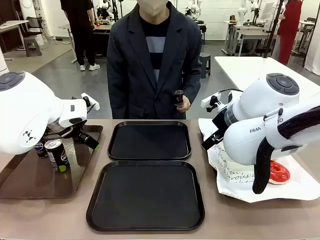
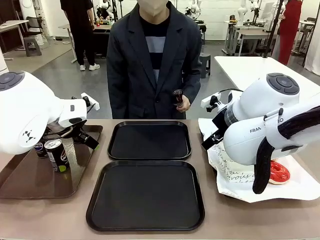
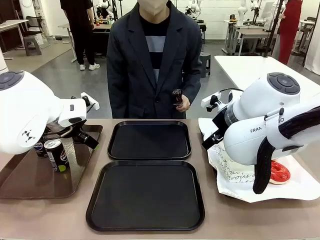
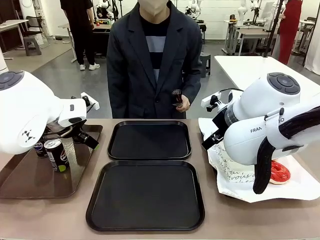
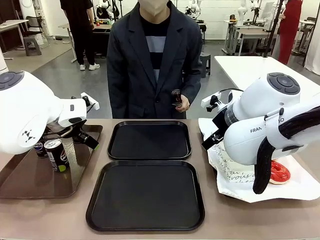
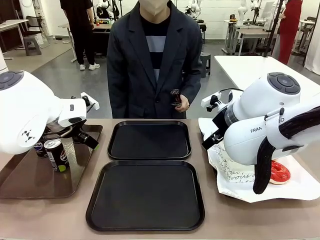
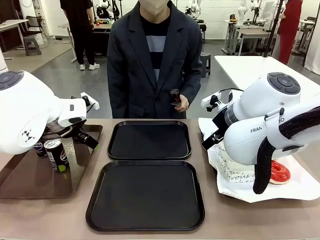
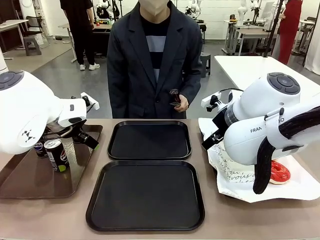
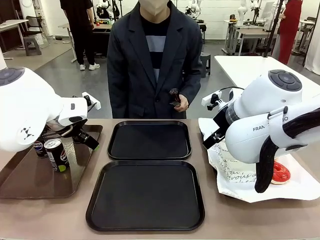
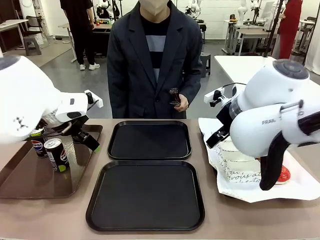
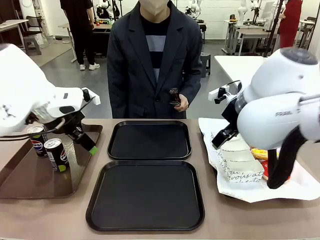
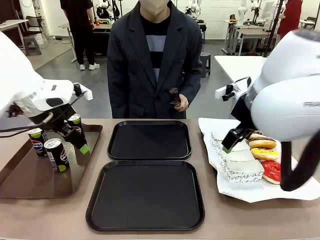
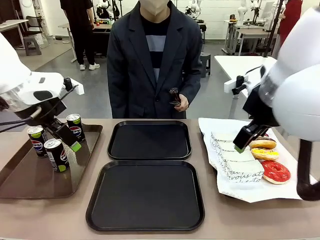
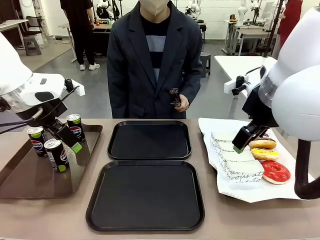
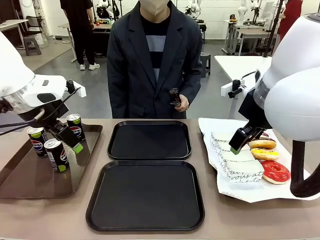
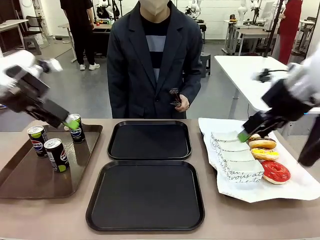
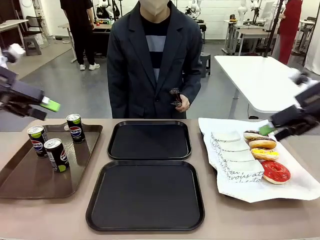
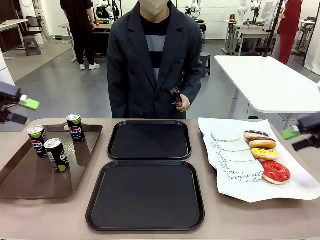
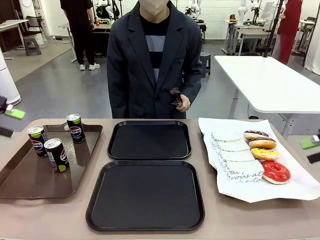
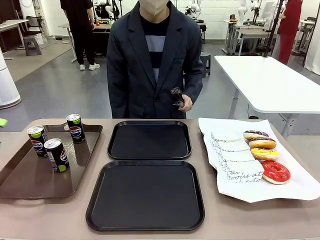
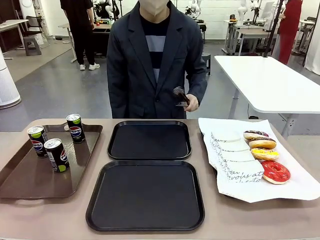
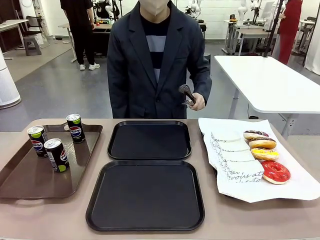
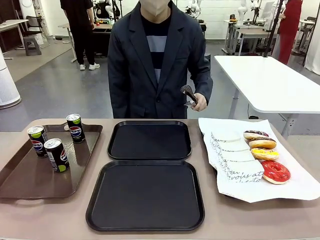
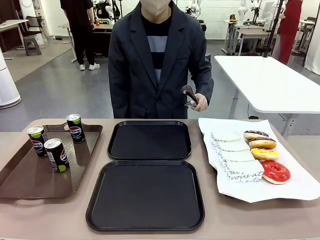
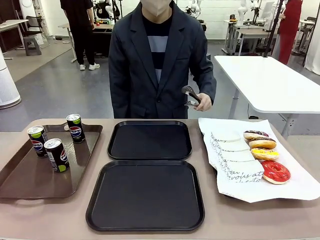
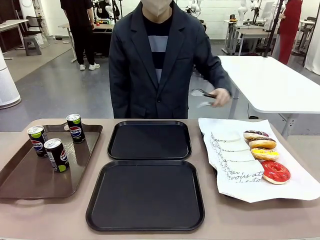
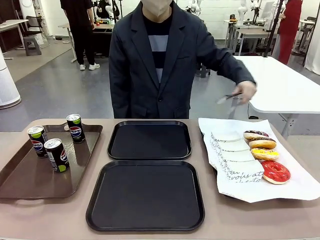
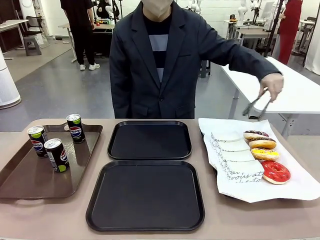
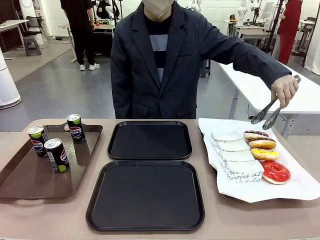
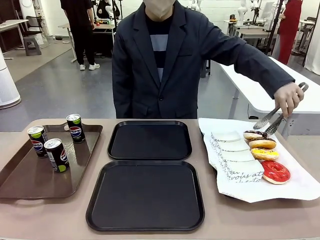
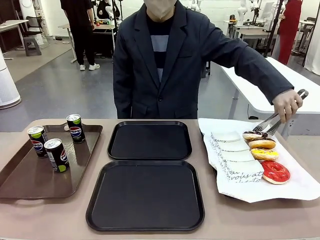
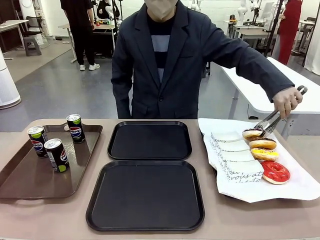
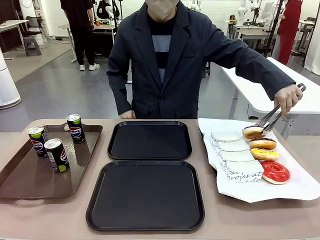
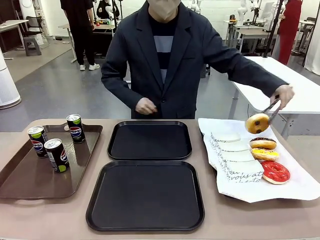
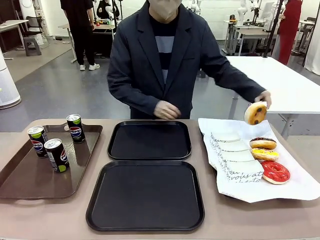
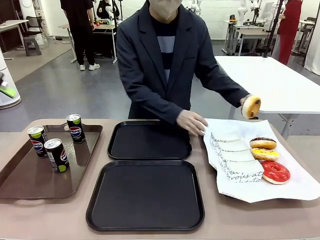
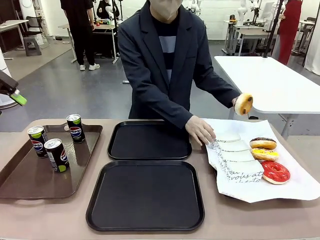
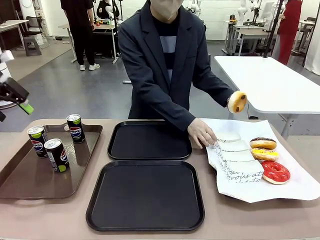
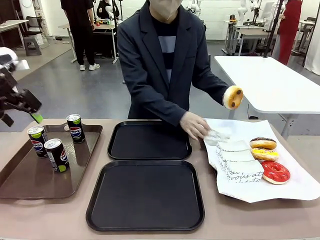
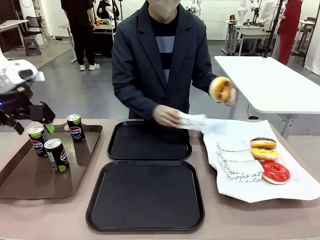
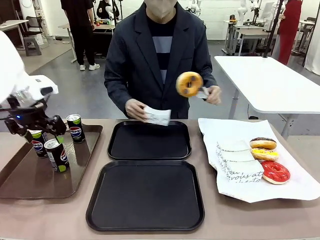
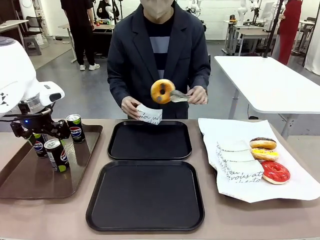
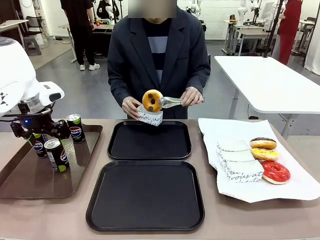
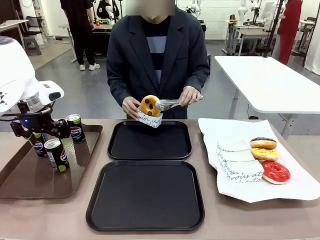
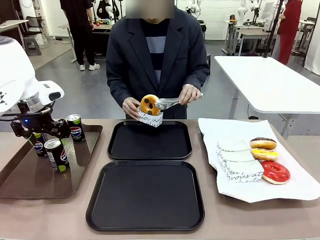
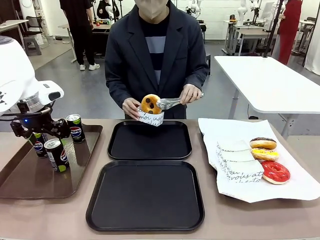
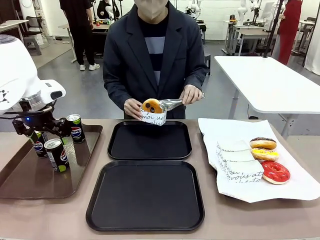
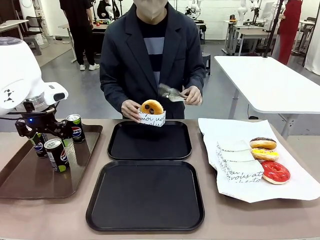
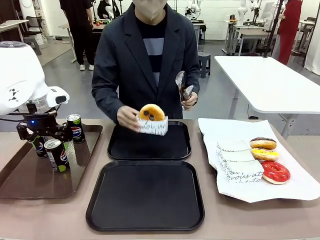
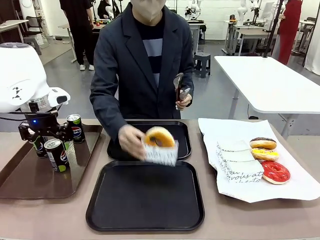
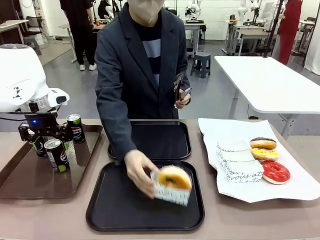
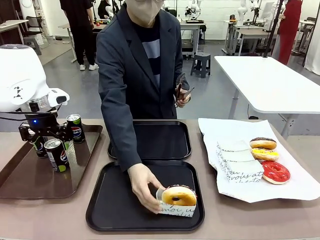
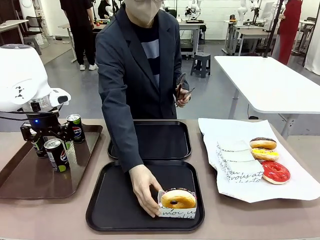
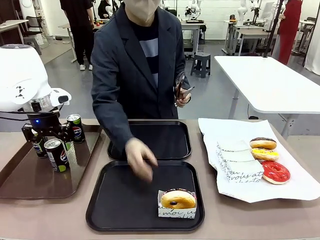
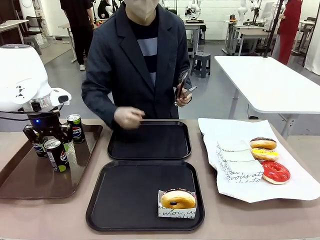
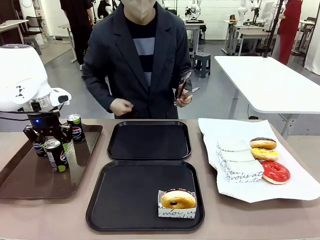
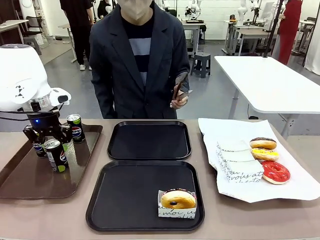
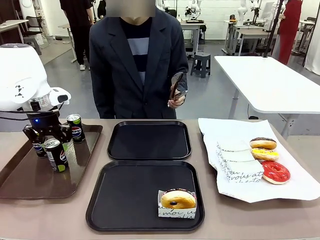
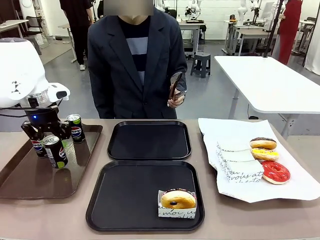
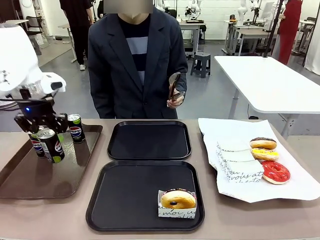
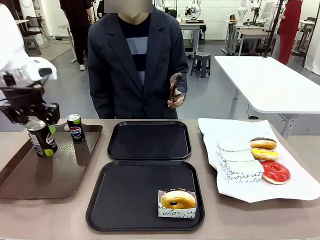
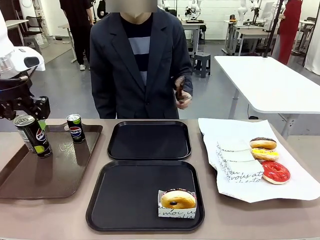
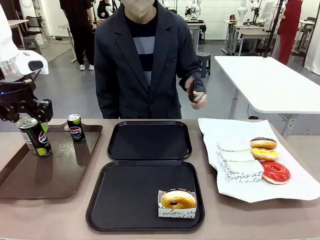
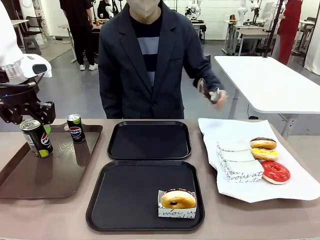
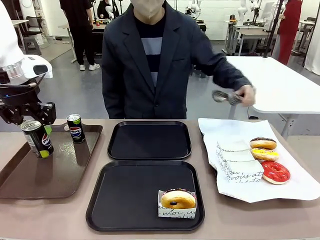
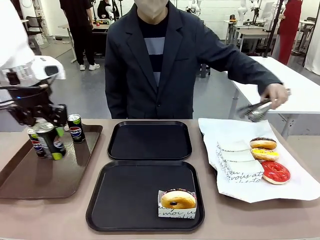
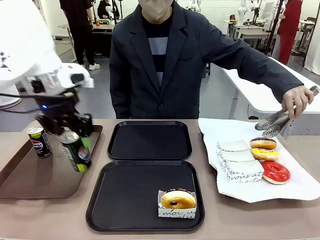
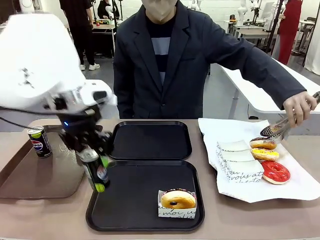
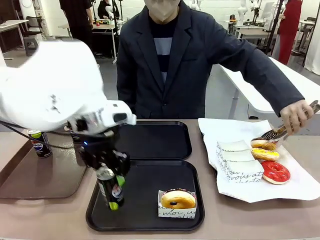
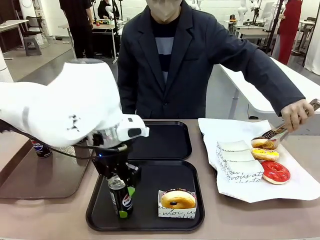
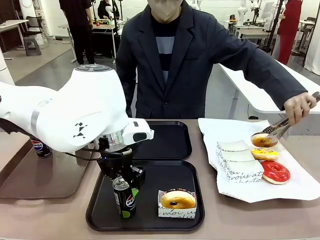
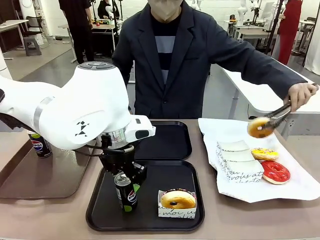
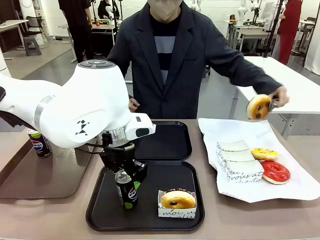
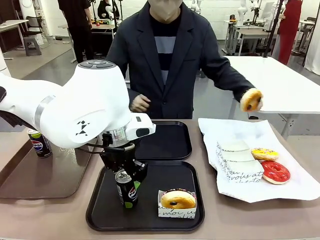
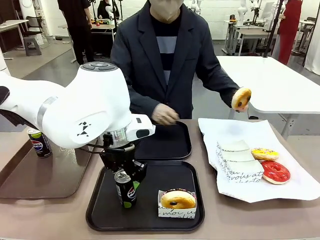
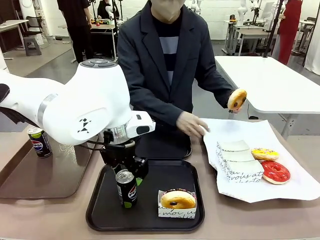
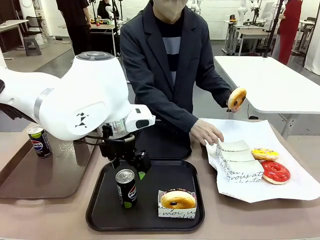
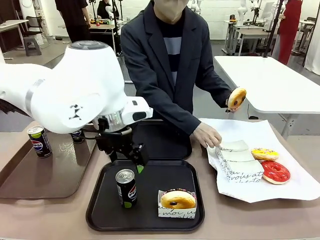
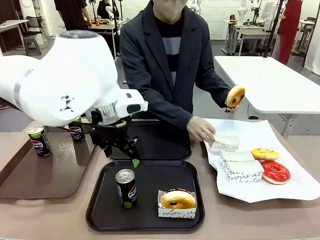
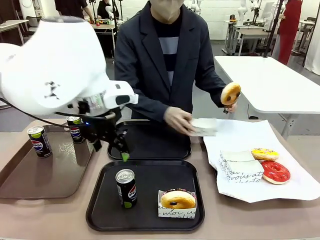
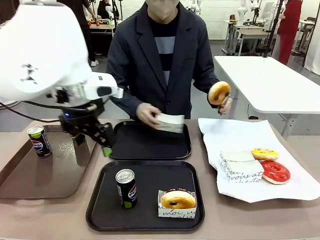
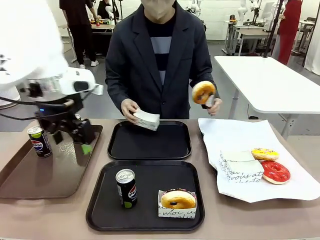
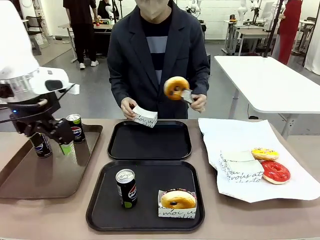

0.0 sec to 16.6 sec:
Task: Set up donuts and drinks on trays.
Robot: Pick up one Pepsi coke and place it on the Flat Tray.

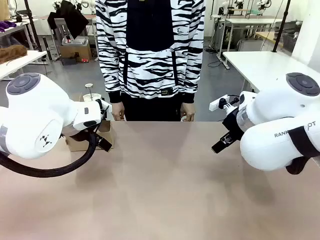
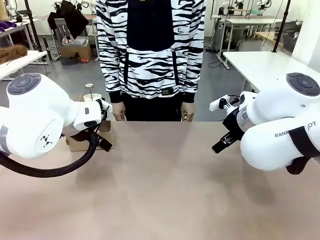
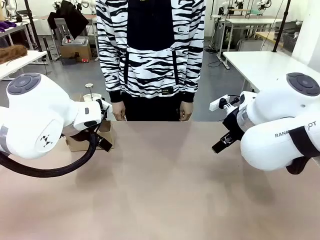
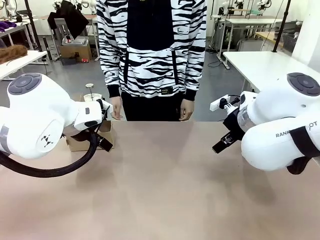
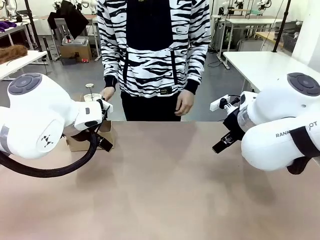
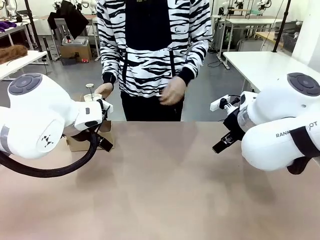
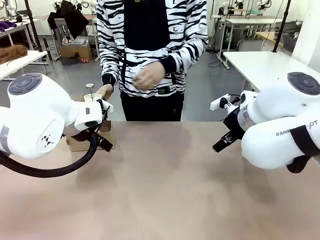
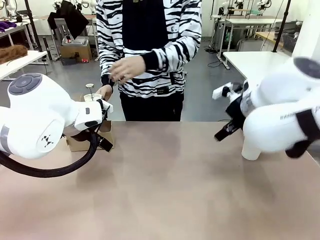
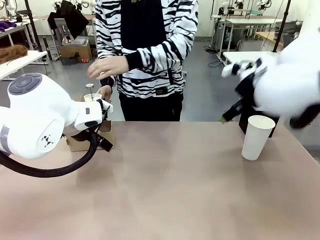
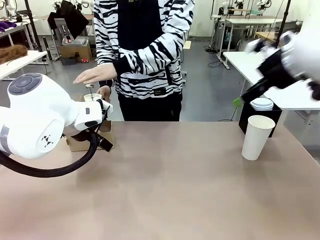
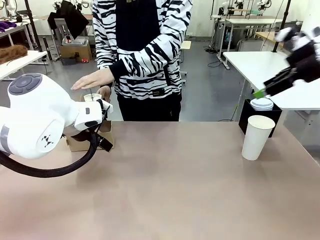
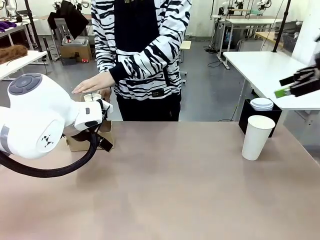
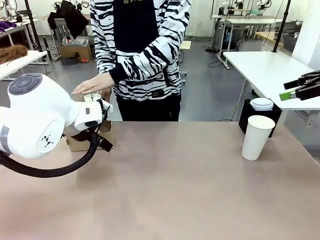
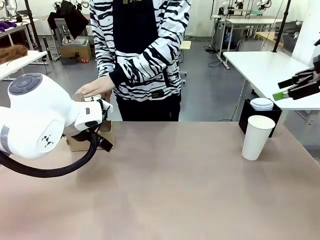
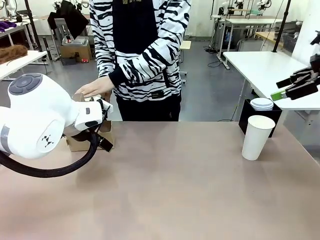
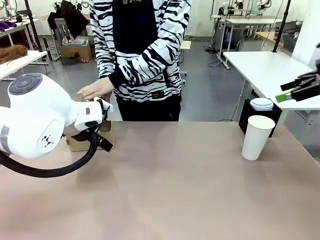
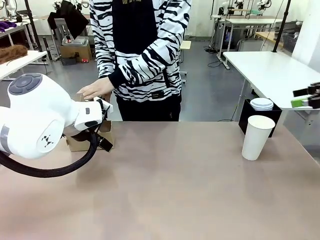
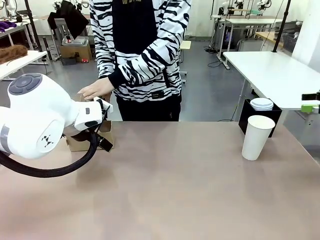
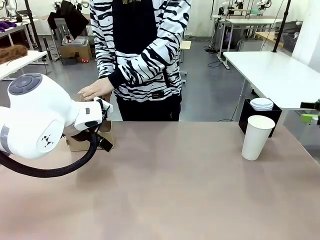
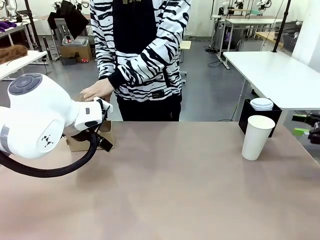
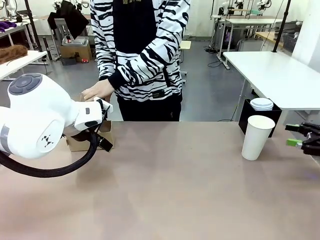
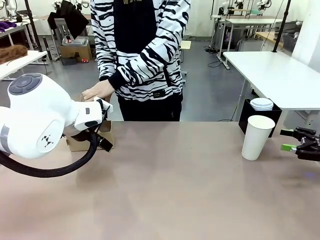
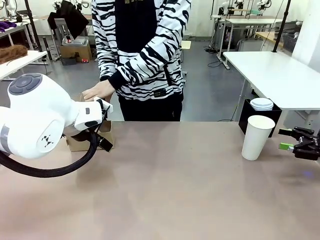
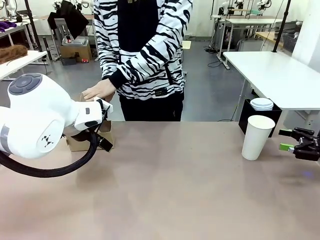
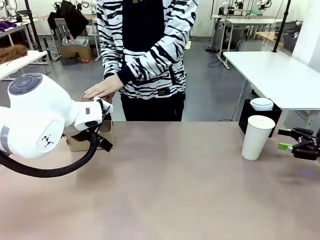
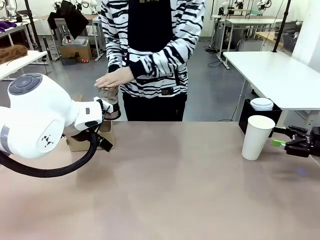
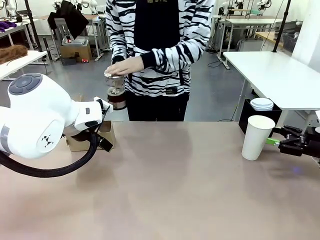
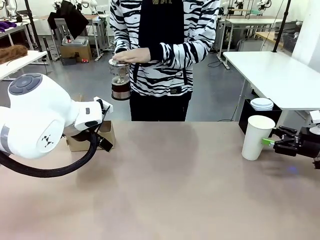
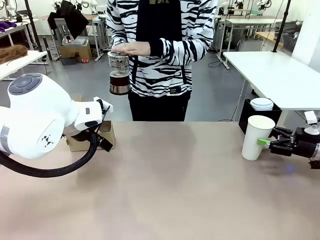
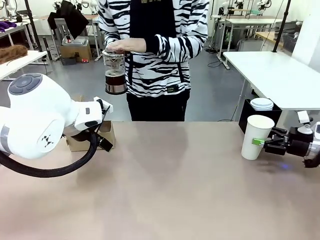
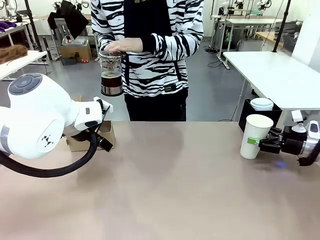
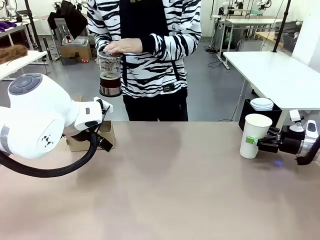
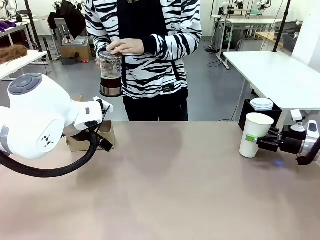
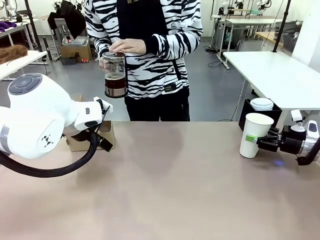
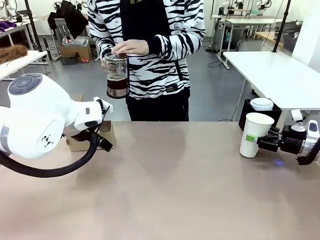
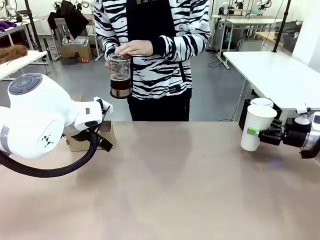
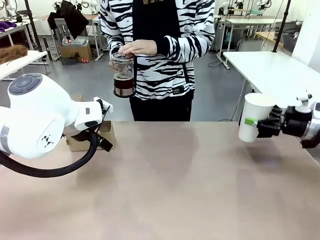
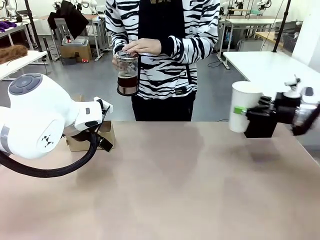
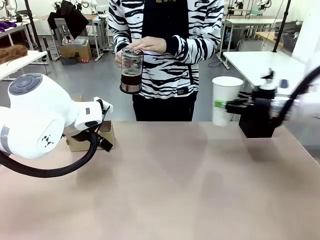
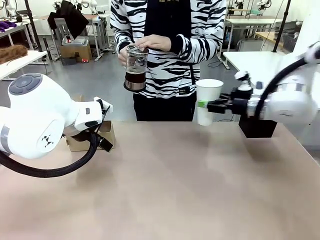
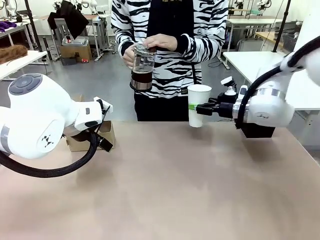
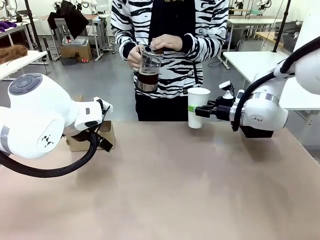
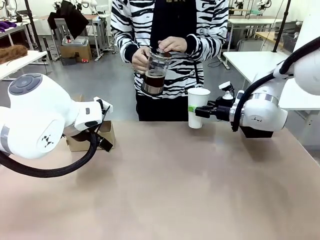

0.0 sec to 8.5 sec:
Task: Pour a drink into a cup and package it in a carrier.
Robot: Pick up the 600 ml Paper Cup and place it in the middle top area of the table.
Person: Press and pick up the Filter Brewing.
